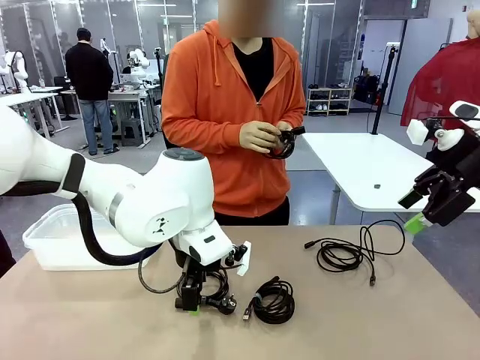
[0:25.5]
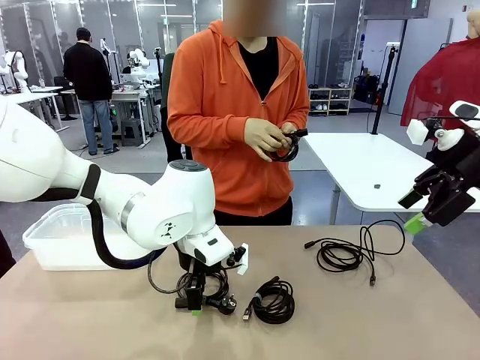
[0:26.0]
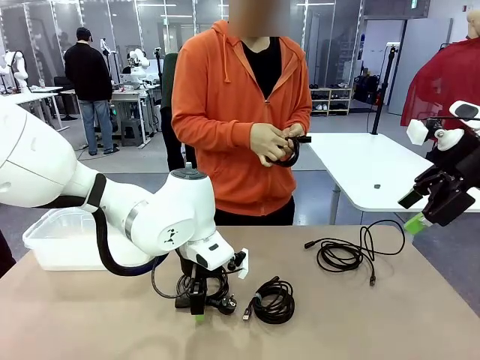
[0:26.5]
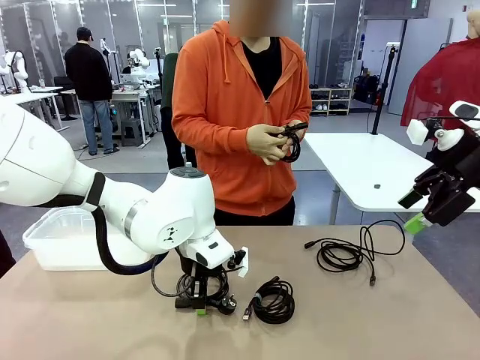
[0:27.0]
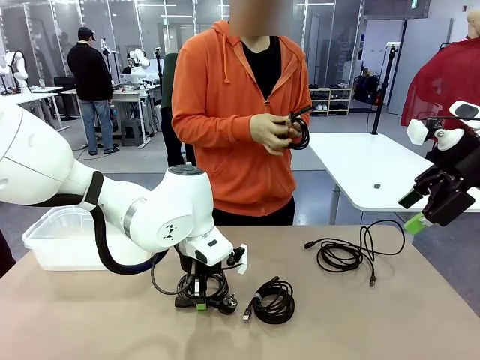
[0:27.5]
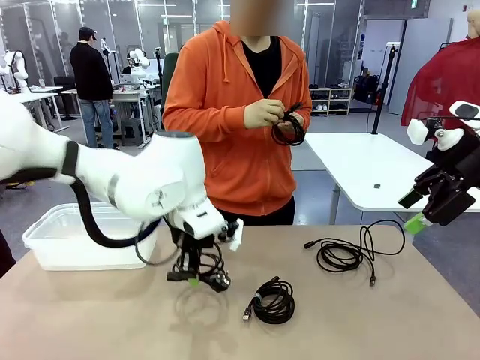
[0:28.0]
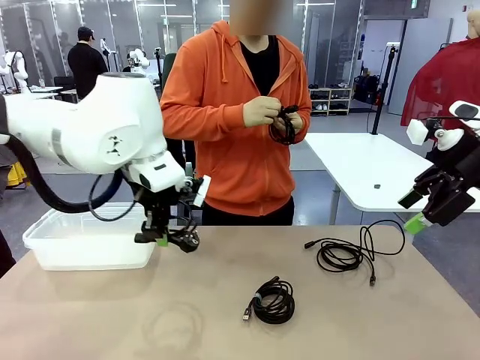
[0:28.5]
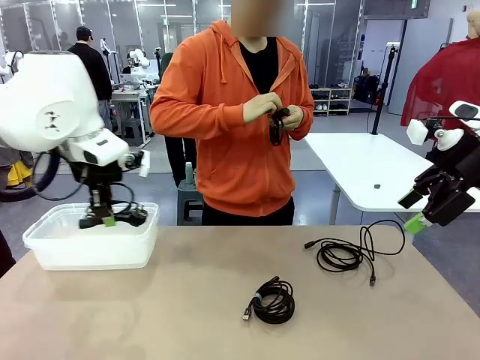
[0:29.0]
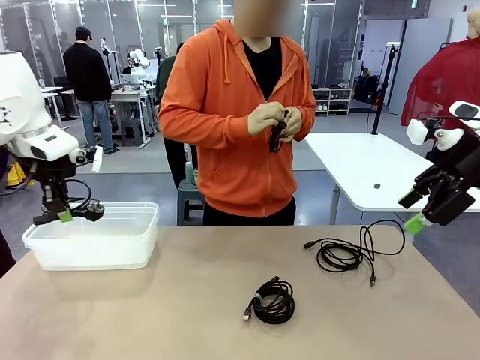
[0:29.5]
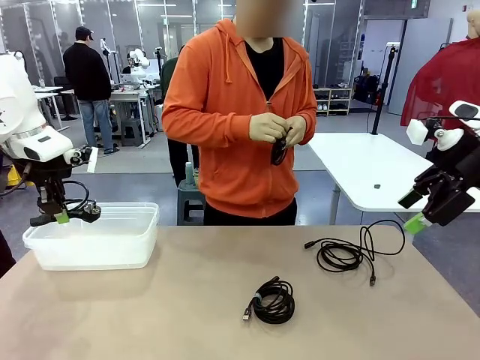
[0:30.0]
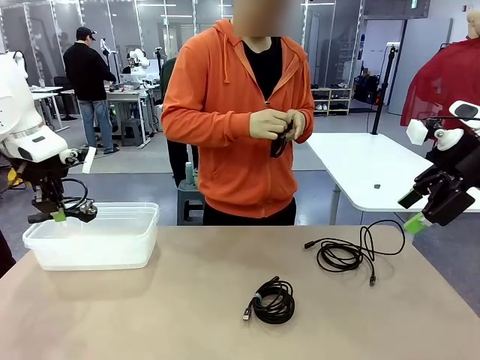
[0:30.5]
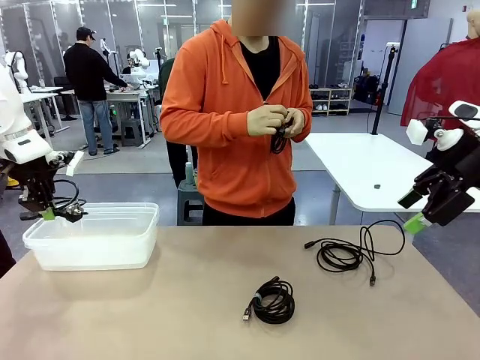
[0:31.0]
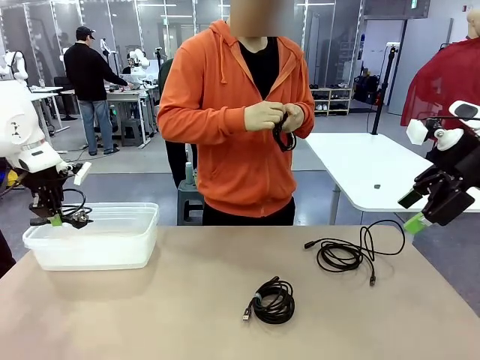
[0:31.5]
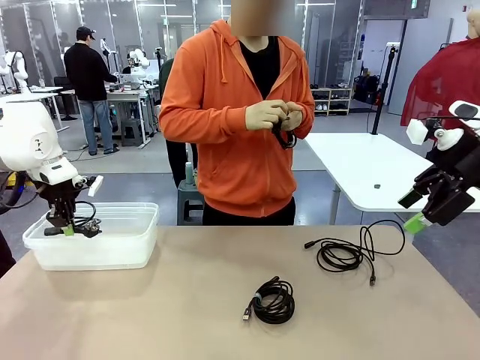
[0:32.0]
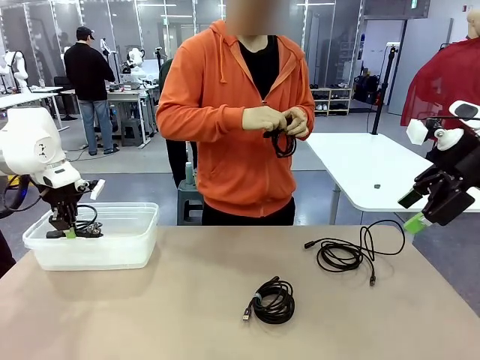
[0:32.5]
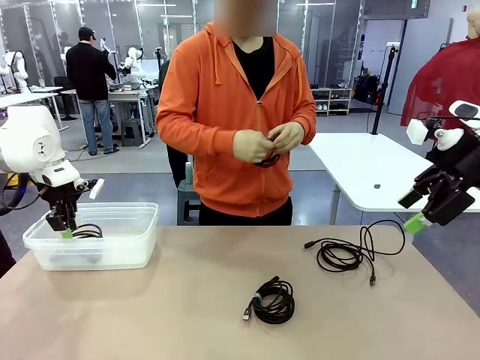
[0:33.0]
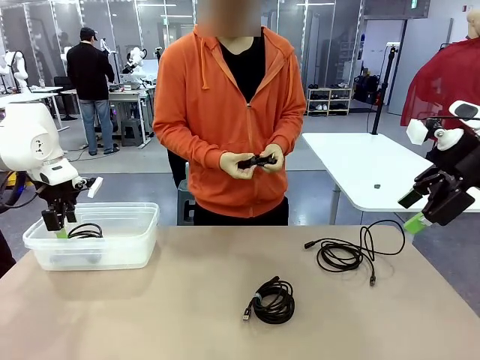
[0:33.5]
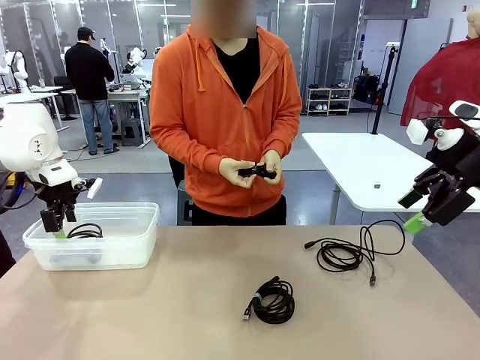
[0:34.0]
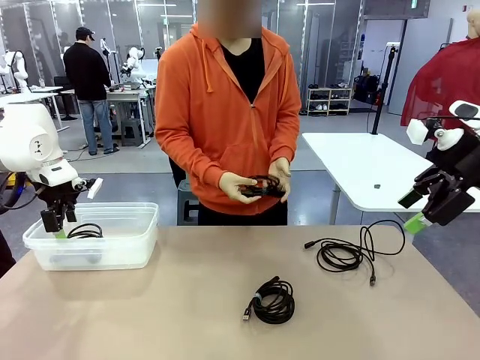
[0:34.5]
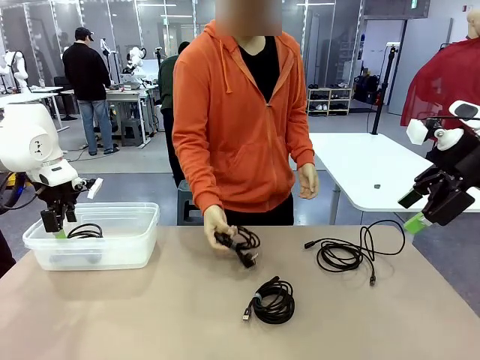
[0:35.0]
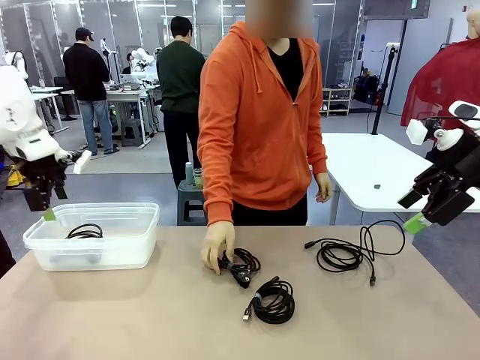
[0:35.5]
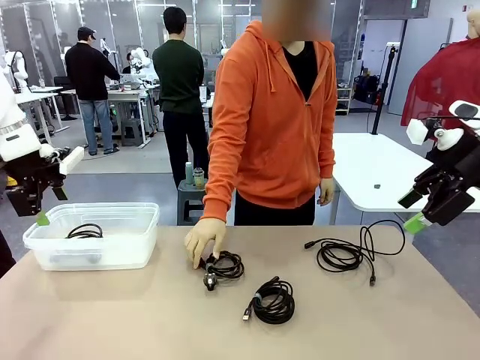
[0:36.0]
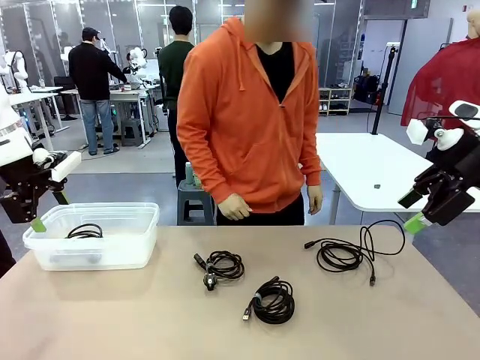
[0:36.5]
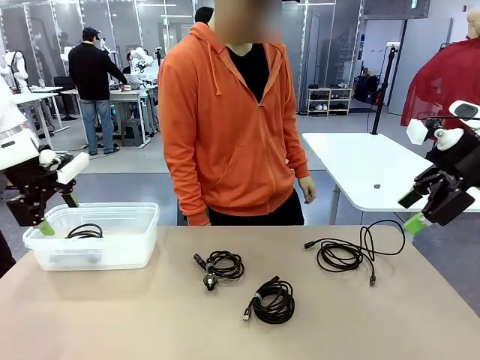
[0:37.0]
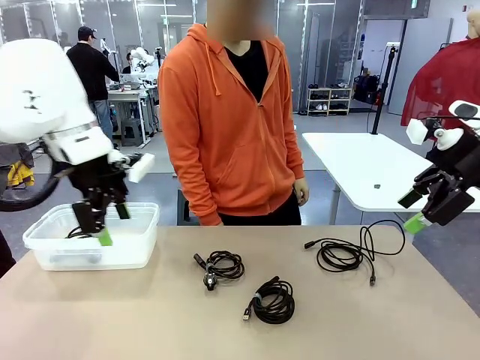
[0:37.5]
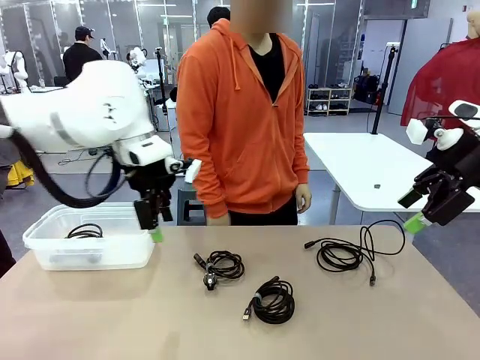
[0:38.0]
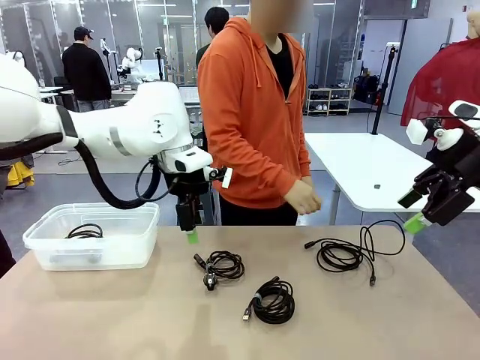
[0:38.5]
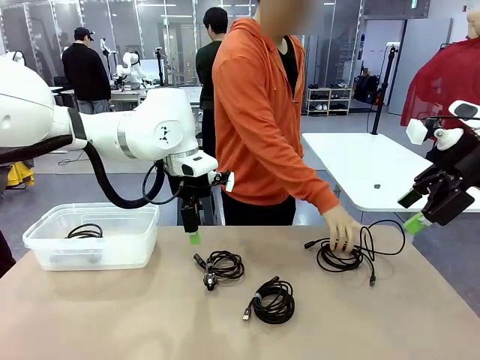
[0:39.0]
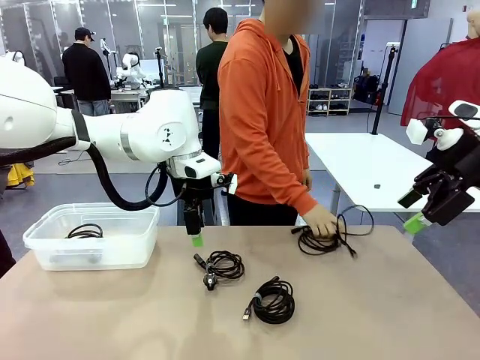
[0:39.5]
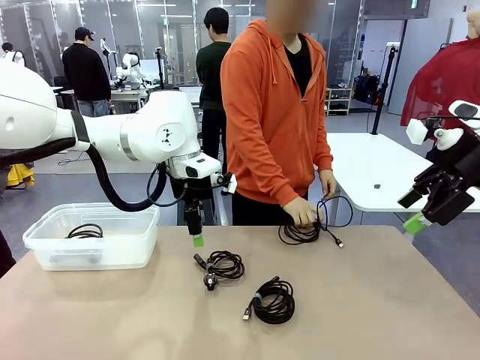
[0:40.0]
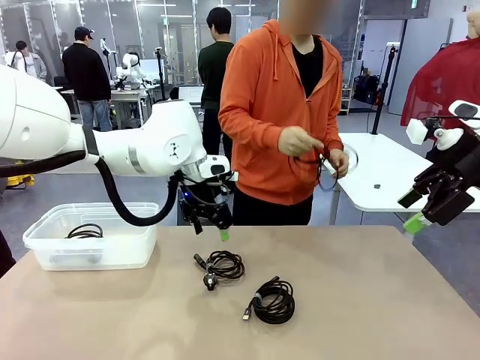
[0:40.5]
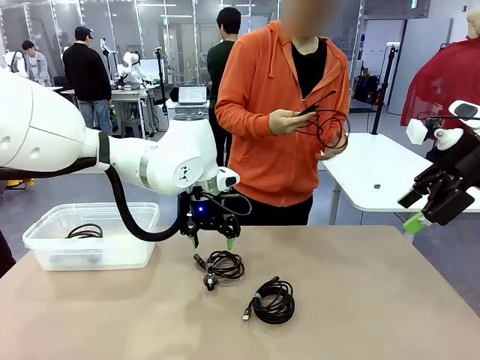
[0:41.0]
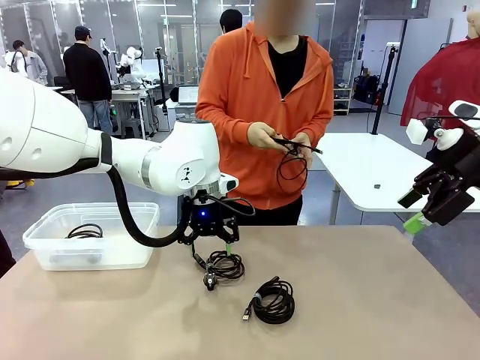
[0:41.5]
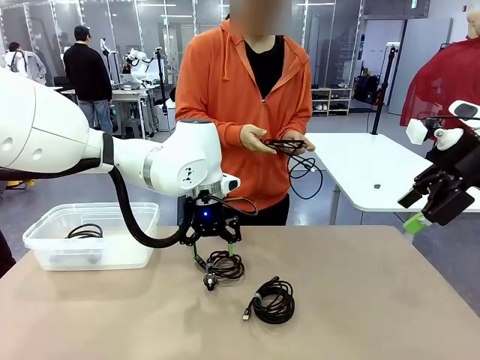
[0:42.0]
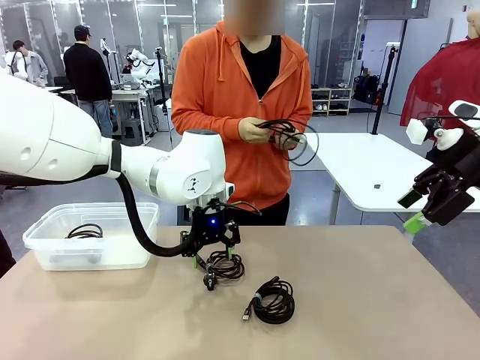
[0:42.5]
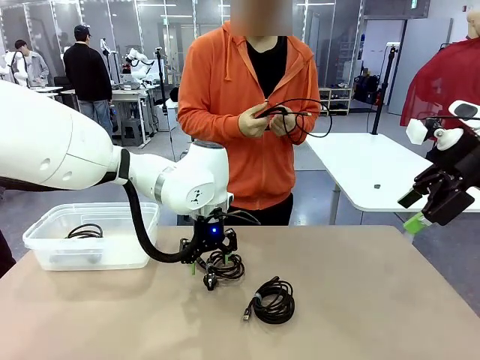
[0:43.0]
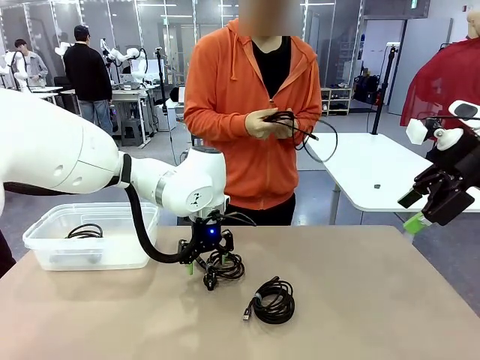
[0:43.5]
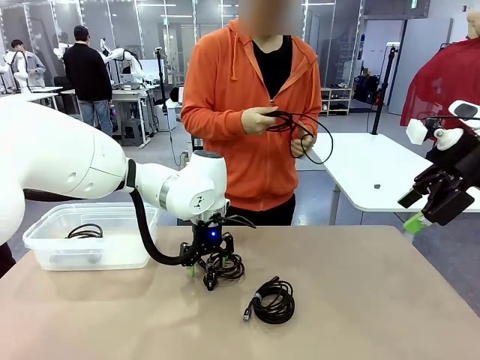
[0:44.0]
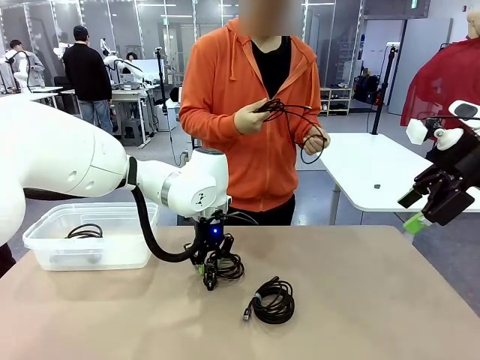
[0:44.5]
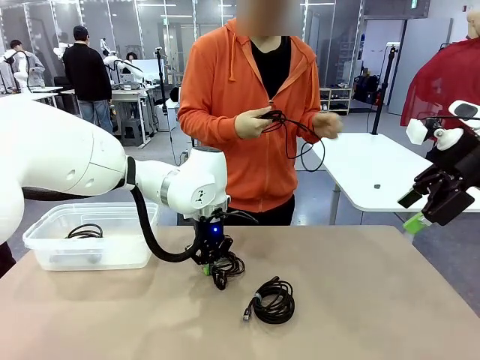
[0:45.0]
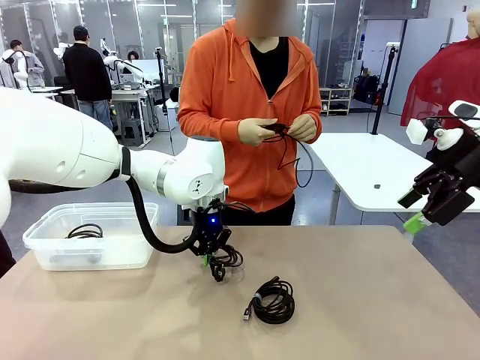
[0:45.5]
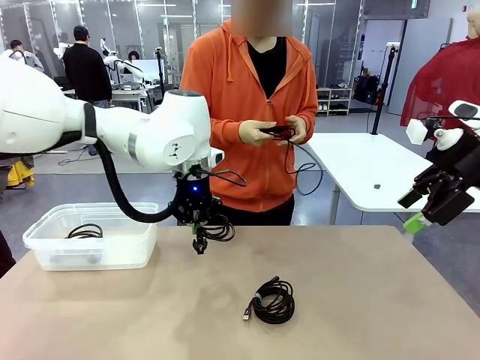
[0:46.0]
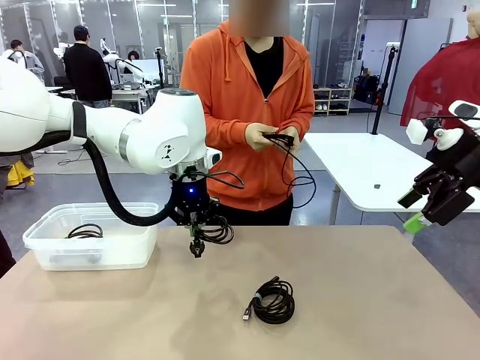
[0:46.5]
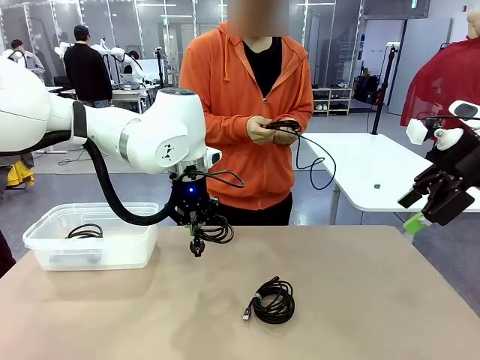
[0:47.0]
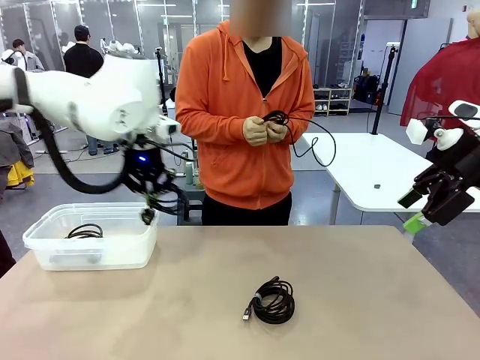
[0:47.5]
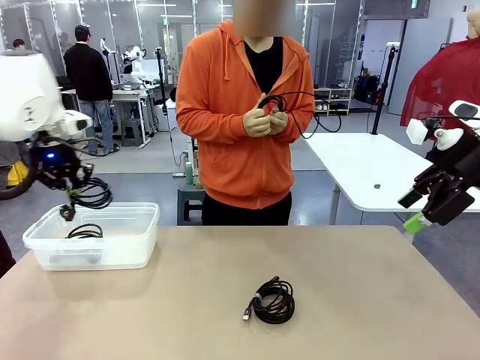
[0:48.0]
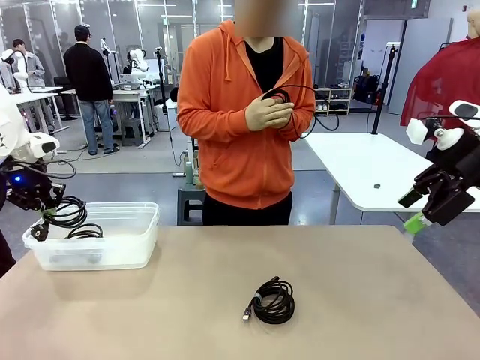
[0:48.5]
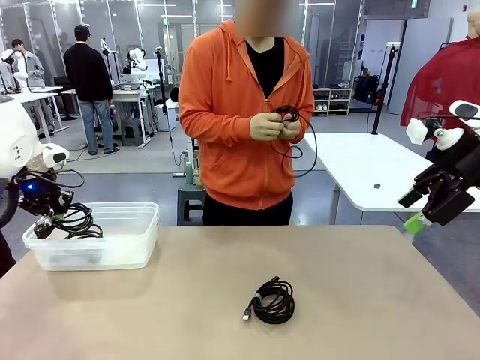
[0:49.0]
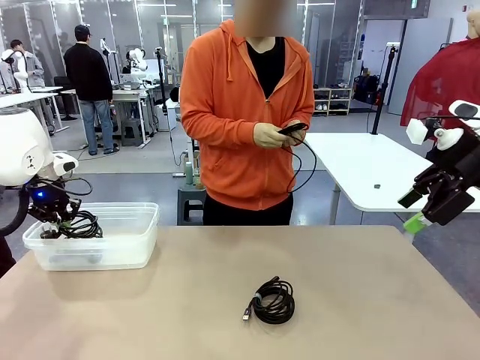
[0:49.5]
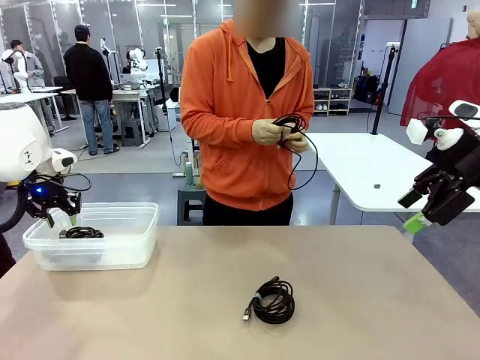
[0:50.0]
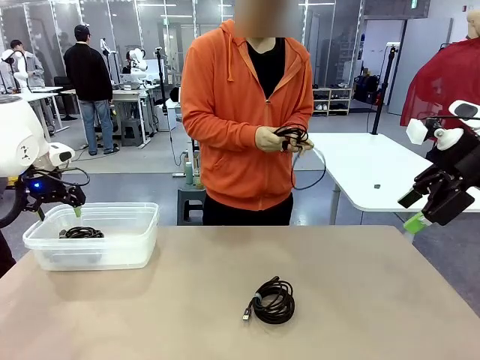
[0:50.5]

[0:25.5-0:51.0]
Task: Organize and store the cables.
Robot: Place the Power Cable into the Organizing box.
